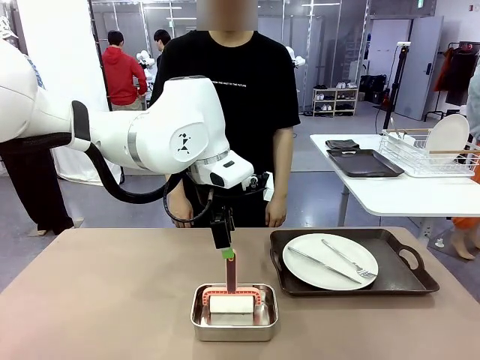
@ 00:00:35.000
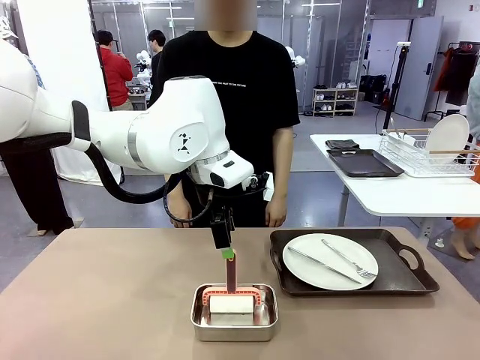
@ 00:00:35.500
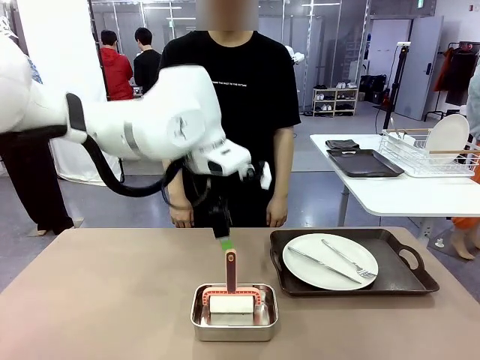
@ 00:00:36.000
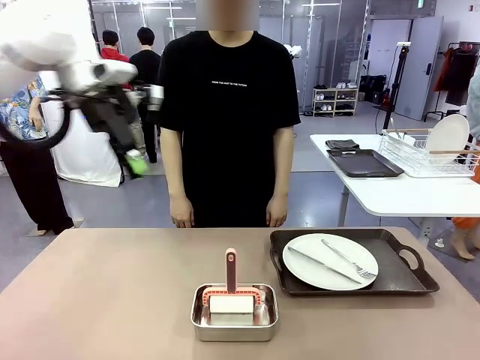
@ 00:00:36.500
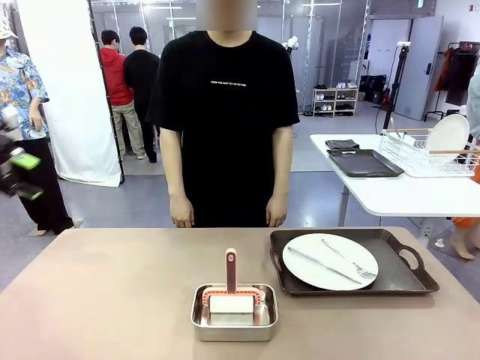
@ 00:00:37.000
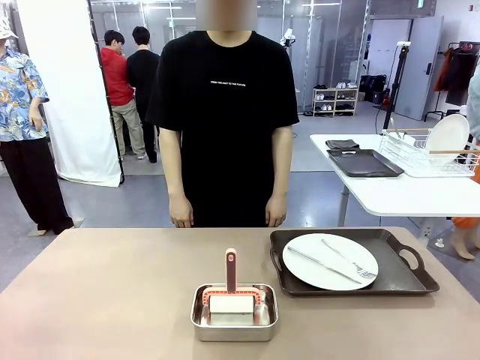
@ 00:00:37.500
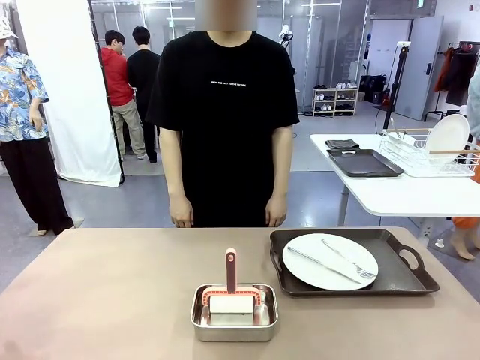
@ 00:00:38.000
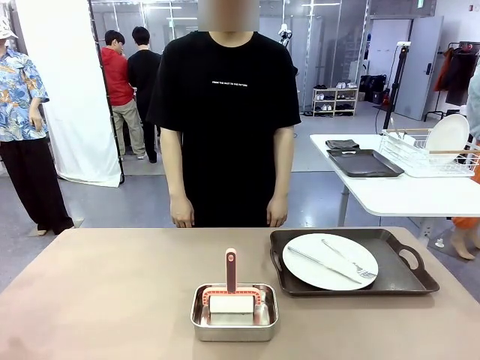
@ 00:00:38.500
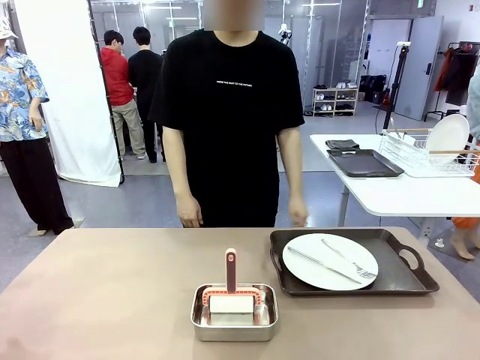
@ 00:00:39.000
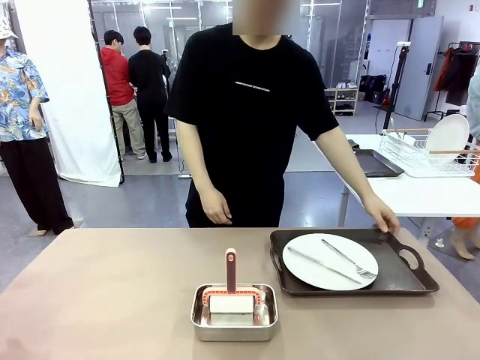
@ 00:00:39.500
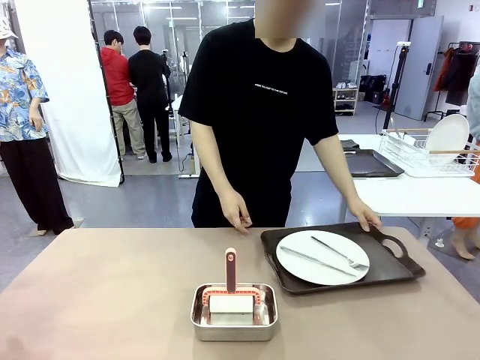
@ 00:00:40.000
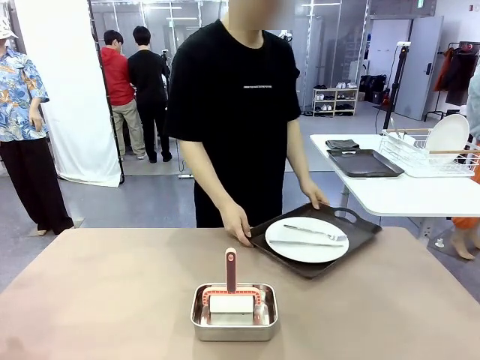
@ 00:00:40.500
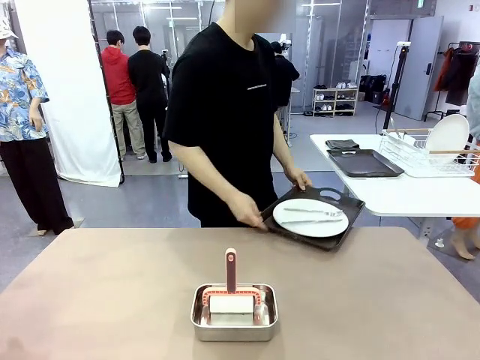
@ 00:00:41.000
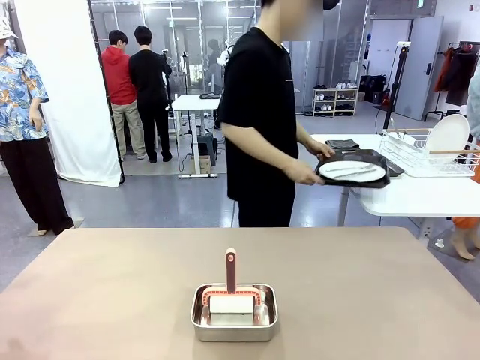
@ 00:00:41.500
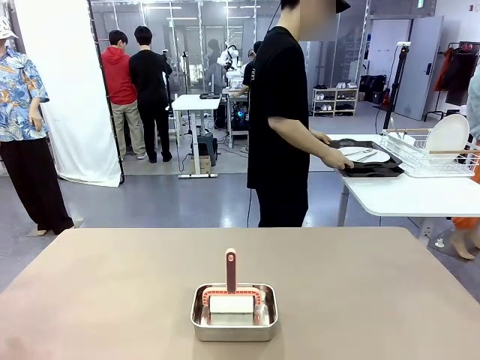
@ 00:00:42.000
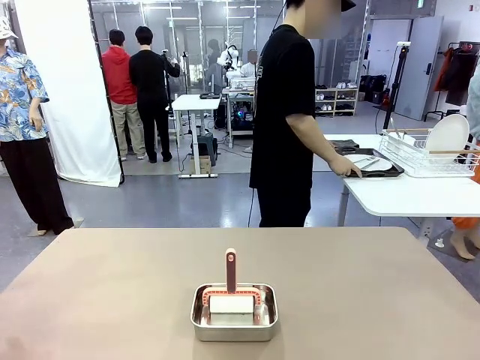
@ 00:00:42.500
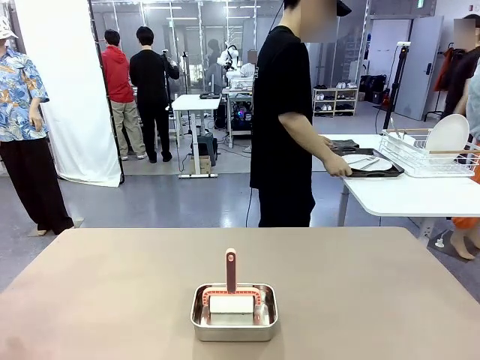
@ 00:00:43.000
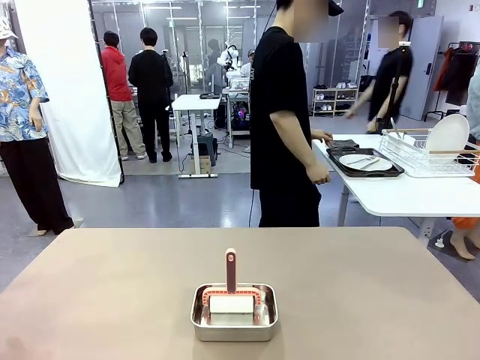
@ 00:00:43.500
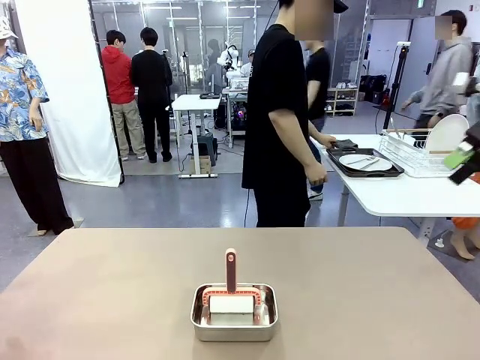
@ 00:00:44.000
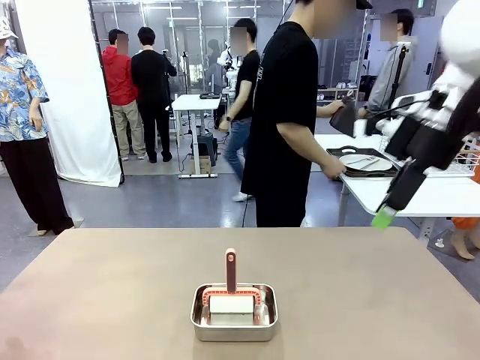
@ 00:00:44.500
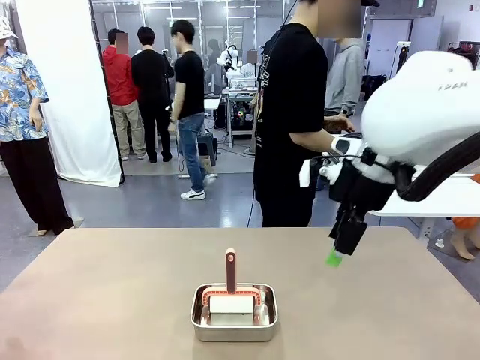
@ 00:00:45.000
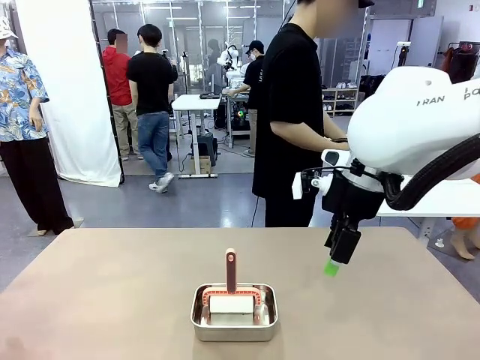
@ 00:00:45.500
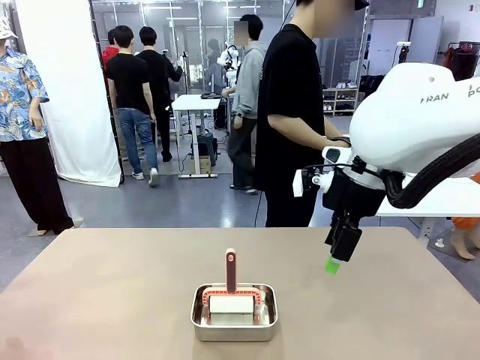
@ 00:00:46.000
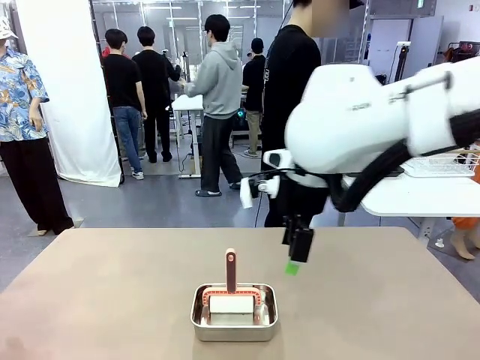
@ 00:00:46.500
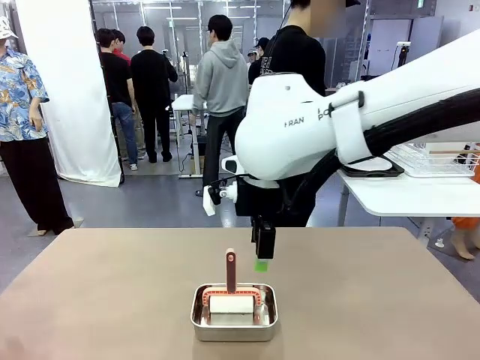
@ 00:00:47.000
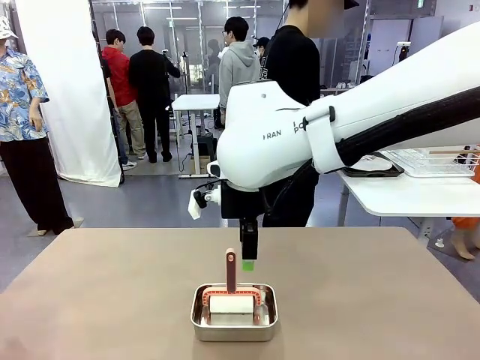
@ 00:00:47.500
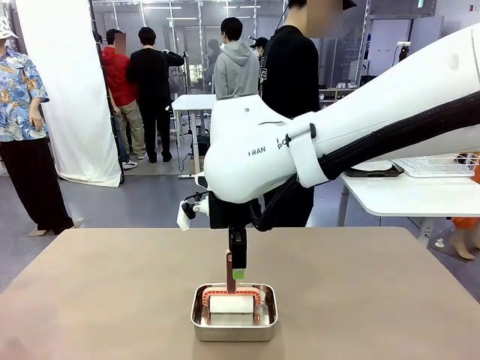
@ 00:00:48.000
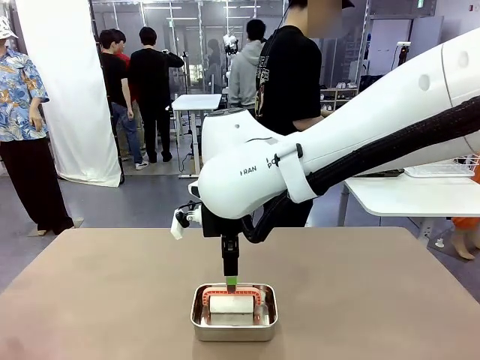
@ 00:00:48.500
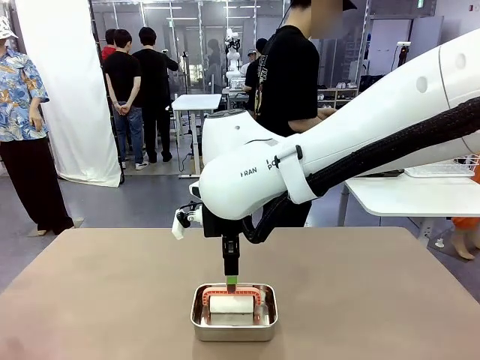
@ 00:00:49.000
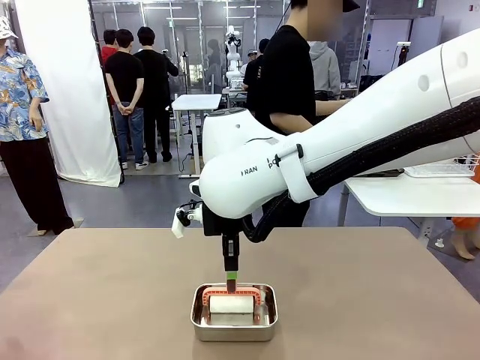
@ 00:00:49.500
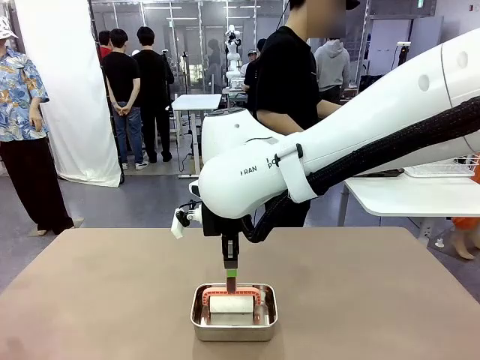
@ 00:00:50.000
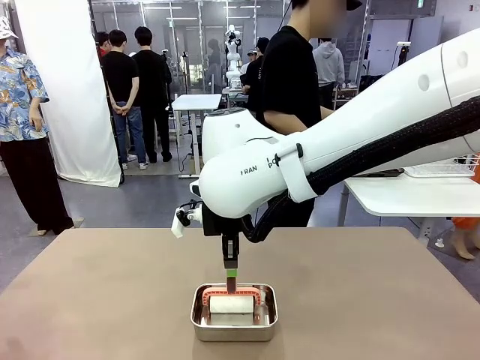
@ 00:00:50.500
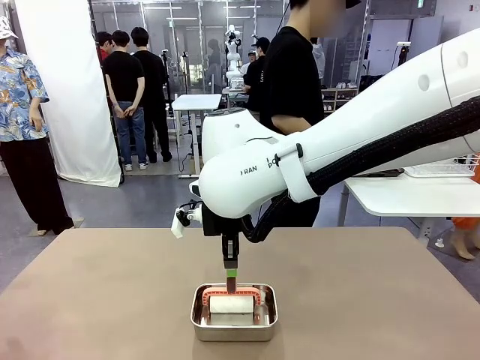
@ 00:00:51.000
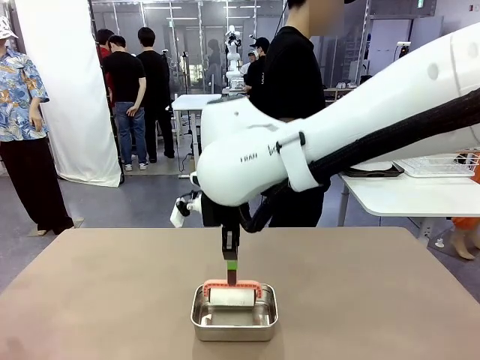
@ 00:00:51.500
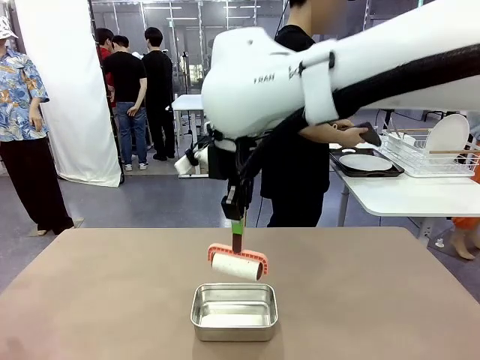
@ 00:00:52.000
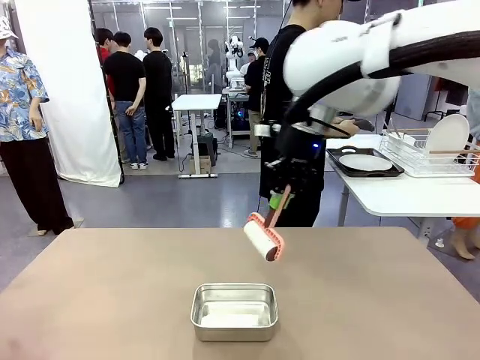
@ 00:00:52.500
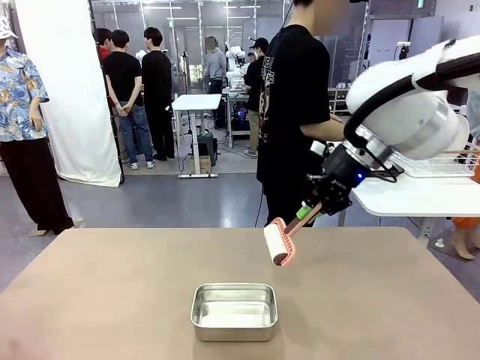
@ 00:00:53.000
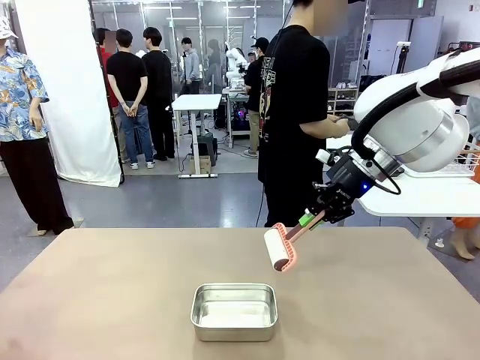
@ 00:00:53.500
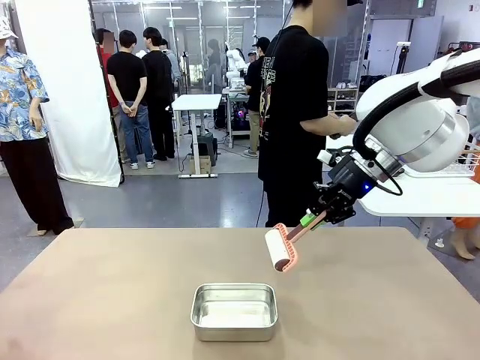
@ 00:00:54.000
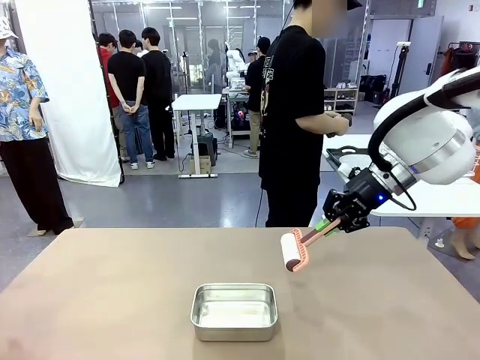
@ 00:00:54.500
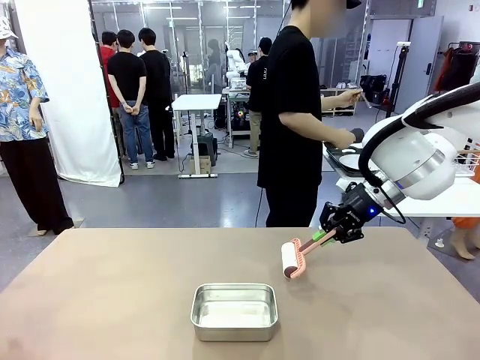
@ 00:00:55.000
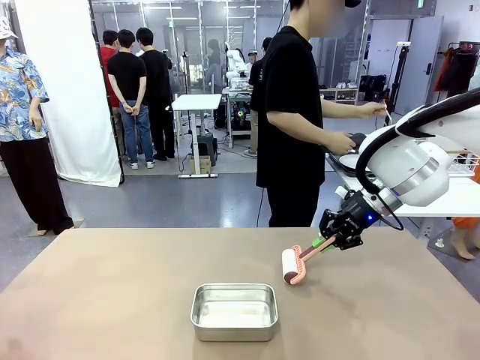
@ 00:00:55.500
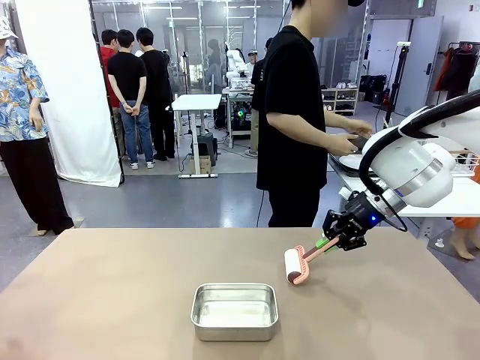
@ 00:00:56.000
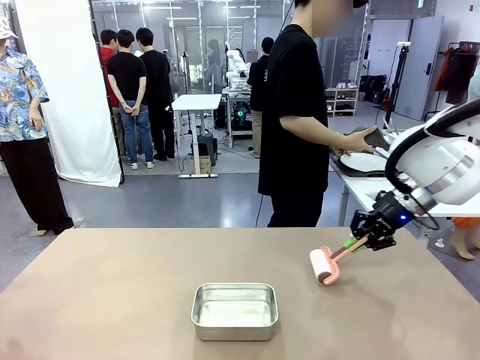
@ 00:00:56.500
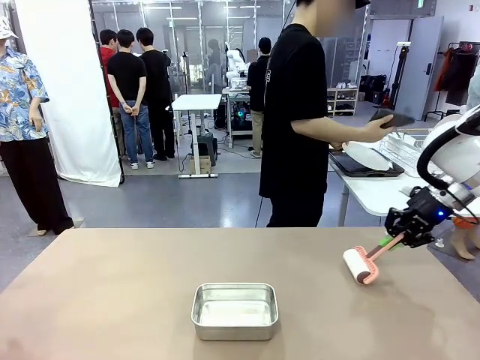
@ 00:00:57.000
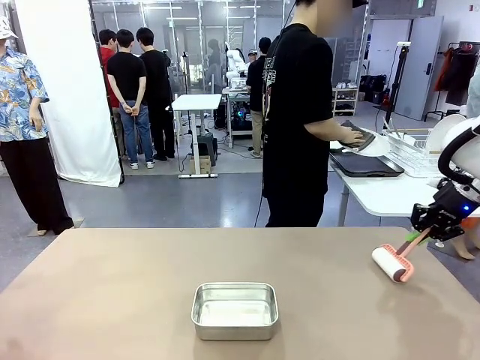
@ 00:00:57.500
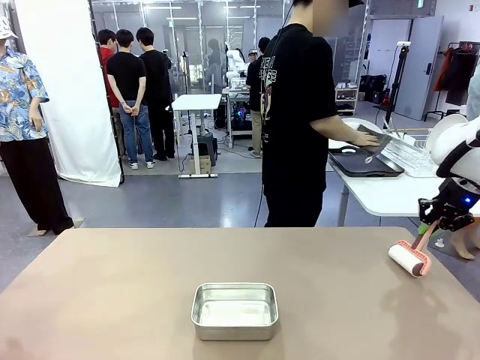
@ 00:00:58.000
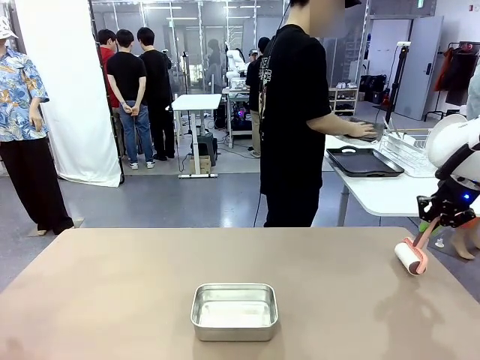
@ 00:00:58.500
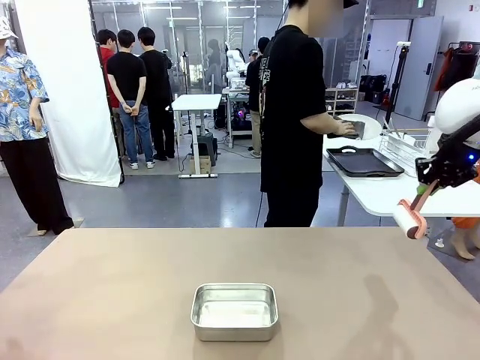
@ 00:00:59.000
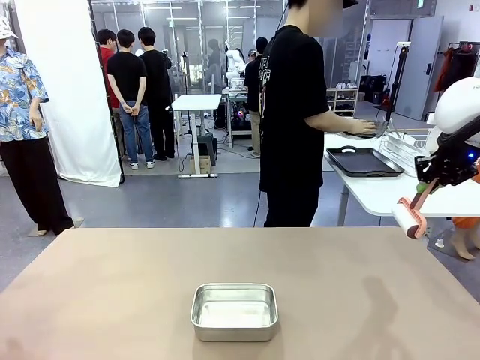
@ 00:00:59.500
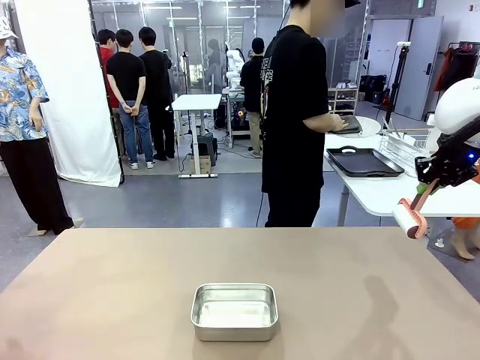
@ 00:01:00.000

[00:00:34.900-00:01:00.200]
Robot: When the right (or left) Handle tray is removed, use the right hand (or left hand) to clean the right (or left) side of the table with the Lint Roller.
Person: Pick up the left (or right) Handle tray and place it on the Handle tray. Use the Towel with hook to wipe the Plastic Matte Plate , Fork , and Knife and place into the Dish drying rack.
